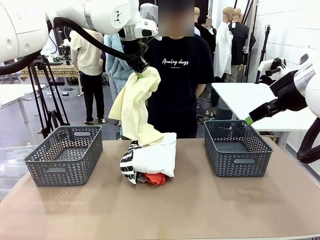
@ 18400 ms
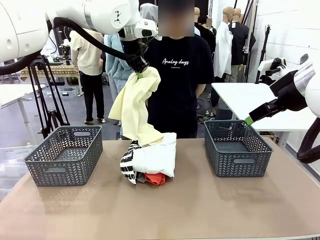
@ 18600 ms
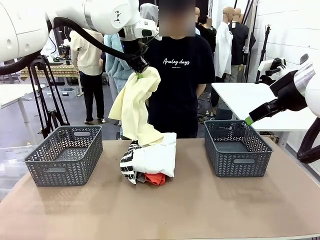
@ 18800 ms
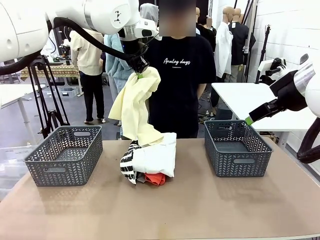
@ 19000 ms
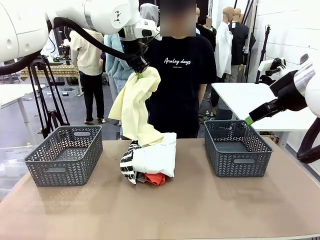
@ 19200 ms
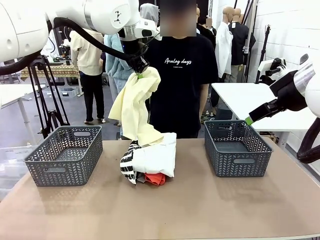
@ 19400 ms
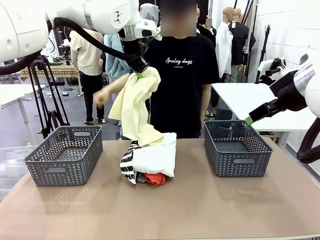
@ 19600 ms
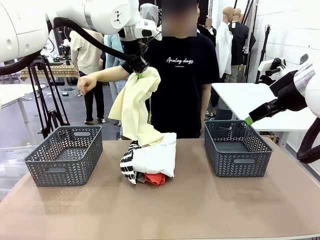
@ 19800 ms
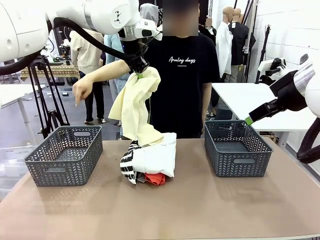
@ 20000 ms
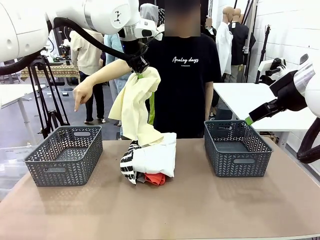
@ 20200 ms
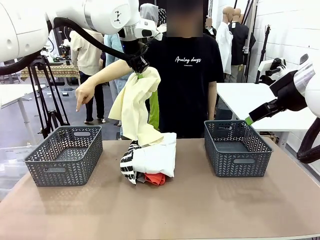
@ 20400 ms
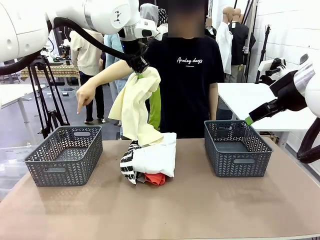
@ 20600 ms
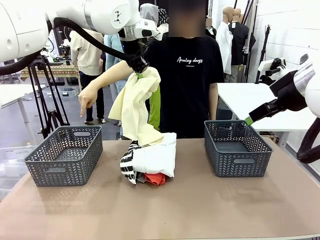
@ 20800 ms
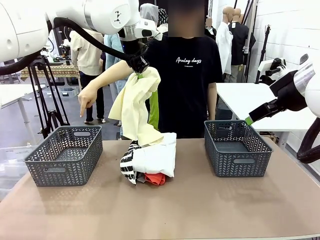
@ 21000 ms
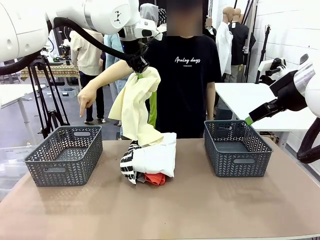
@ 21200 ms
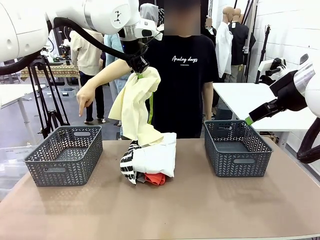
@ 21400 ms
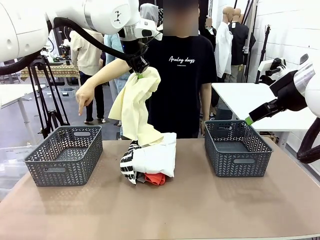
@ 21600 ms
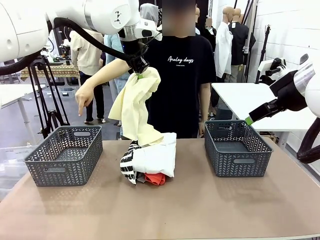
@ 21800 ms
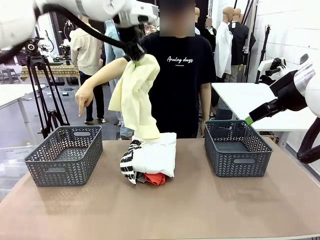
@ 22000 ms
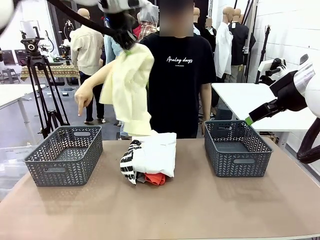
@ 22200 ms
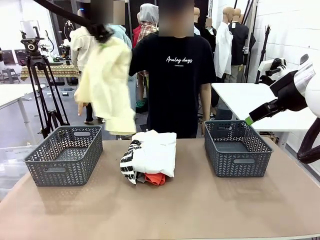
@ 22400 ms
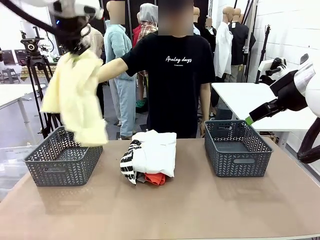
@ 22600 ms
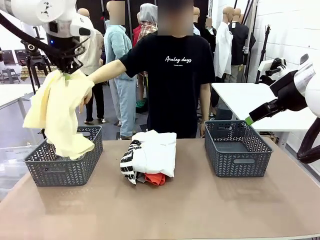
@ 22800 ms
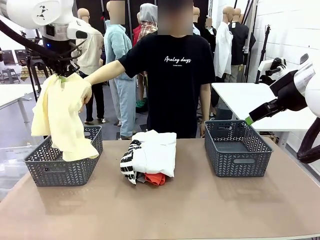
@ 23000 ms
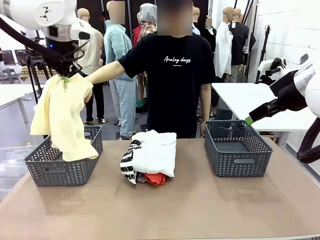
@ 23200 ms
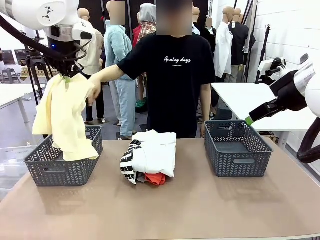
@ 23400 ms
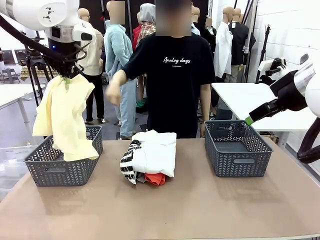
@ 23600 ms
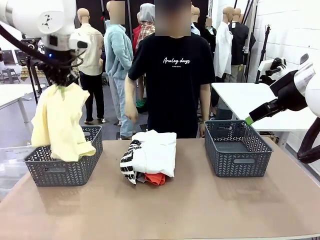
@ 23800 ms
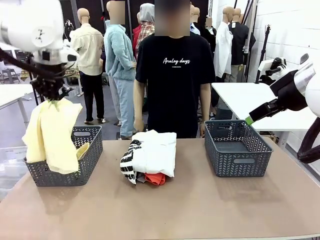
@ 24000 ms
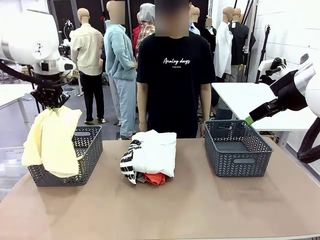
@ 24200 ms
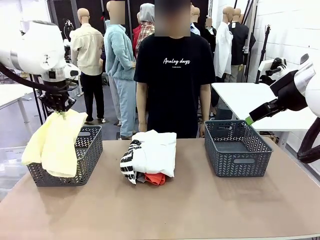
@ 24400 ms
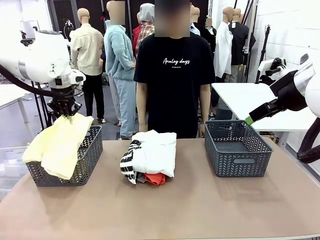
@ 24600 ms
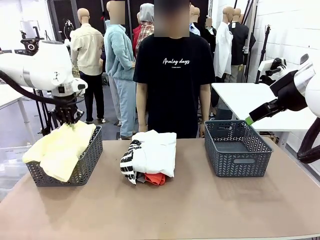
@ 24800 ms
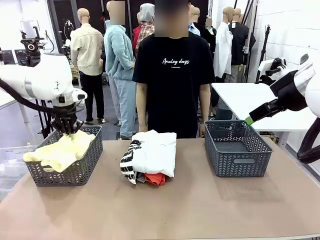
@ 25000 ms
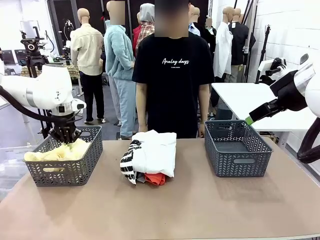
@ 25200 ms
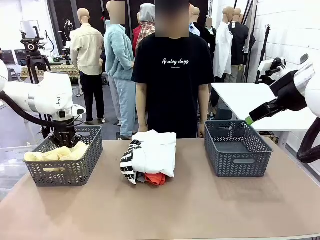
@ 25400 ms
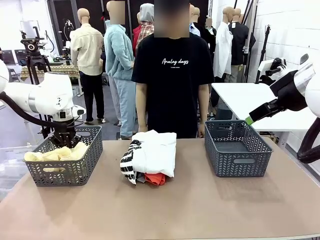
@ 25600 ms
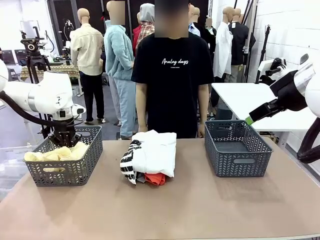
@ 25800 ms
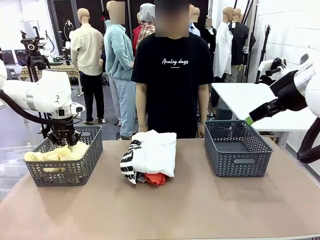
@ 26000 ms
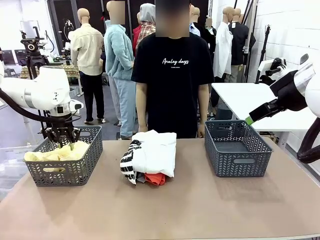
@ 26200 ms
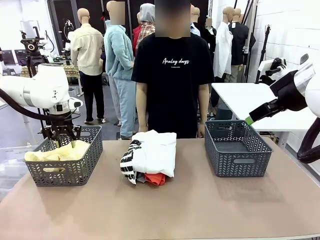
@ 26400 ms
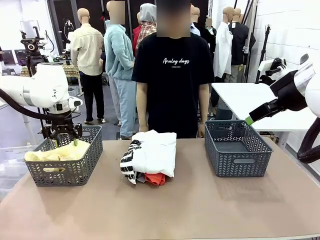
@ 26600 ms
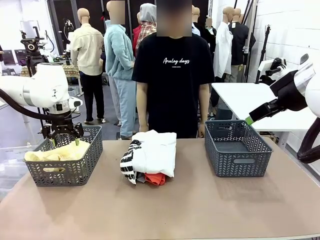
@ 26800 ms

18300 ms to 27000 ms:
Task: Sort the tops and bottoms.
Robot: Sort the clothes according to human instructions.

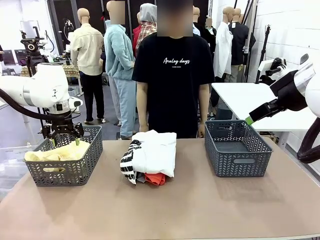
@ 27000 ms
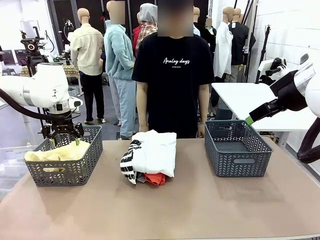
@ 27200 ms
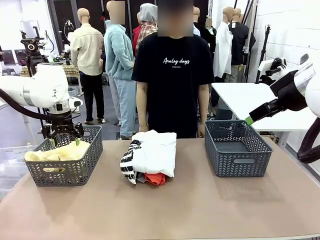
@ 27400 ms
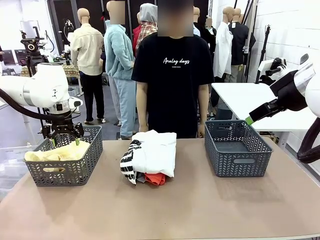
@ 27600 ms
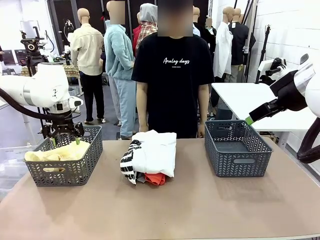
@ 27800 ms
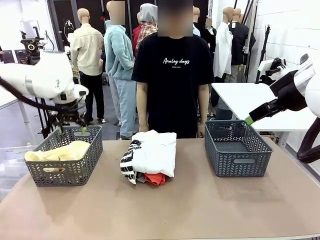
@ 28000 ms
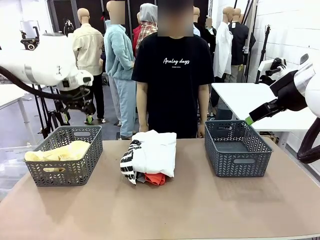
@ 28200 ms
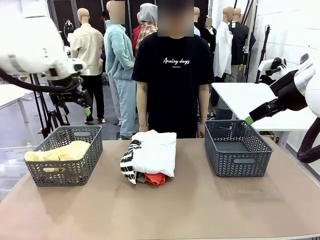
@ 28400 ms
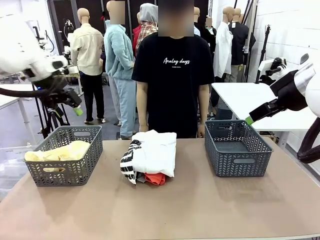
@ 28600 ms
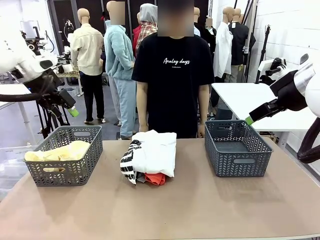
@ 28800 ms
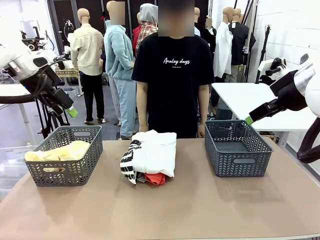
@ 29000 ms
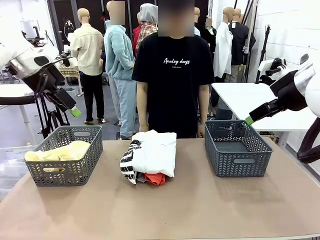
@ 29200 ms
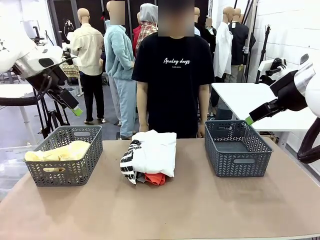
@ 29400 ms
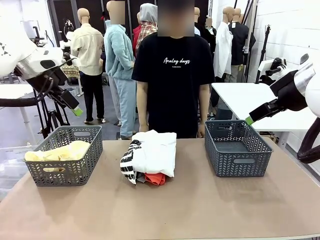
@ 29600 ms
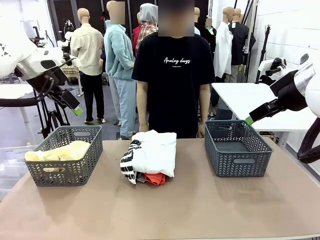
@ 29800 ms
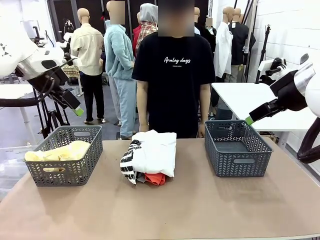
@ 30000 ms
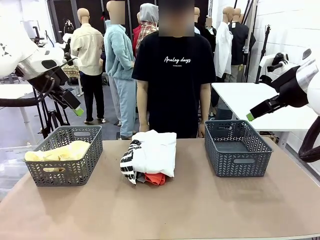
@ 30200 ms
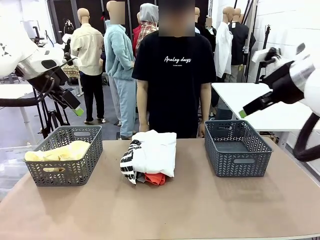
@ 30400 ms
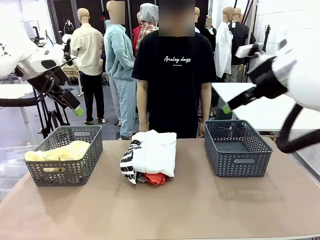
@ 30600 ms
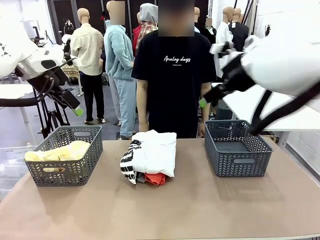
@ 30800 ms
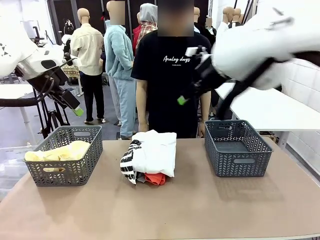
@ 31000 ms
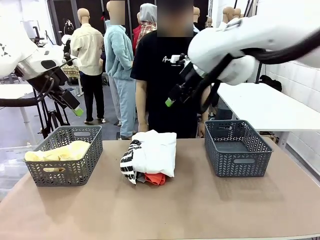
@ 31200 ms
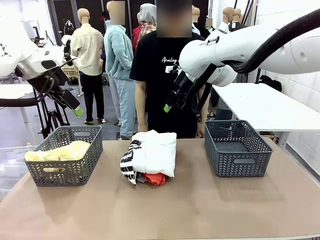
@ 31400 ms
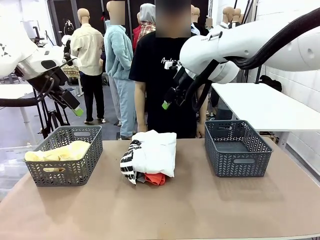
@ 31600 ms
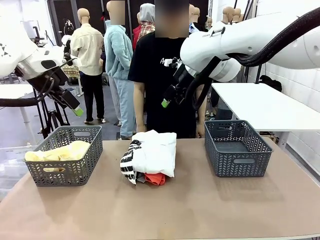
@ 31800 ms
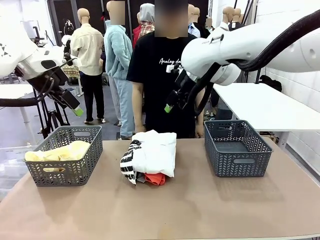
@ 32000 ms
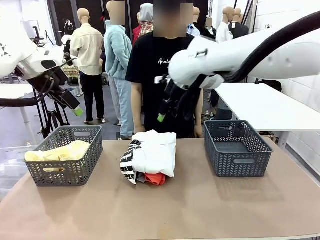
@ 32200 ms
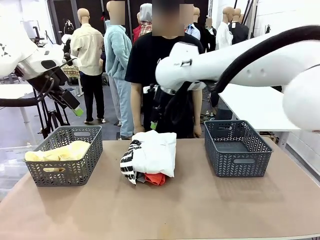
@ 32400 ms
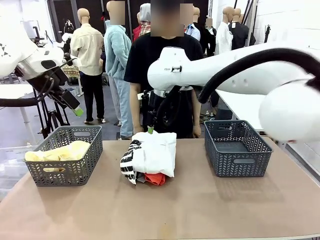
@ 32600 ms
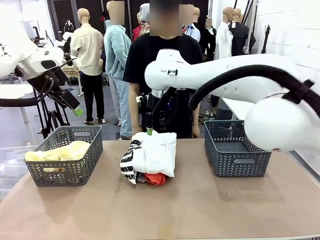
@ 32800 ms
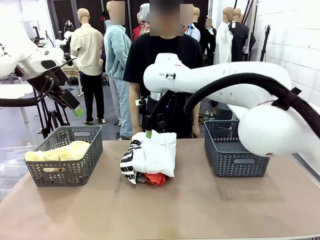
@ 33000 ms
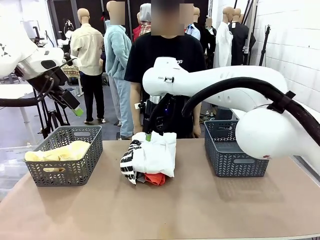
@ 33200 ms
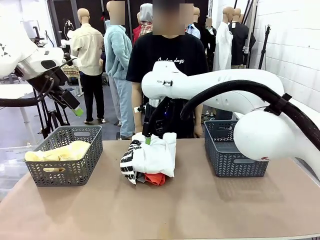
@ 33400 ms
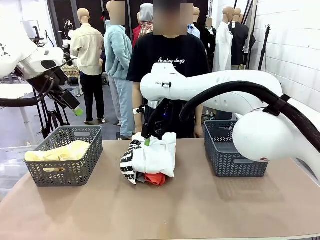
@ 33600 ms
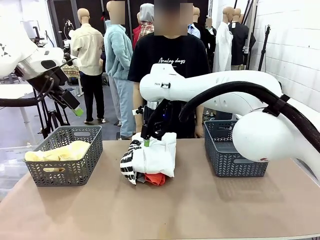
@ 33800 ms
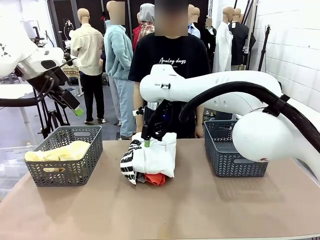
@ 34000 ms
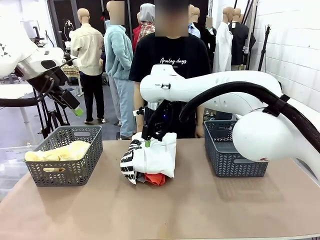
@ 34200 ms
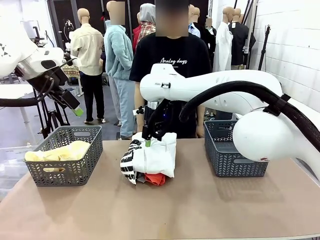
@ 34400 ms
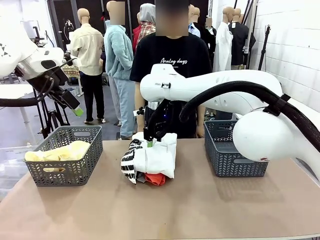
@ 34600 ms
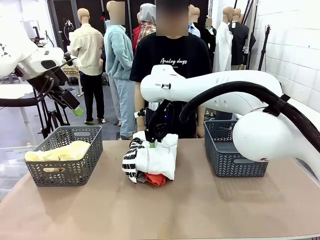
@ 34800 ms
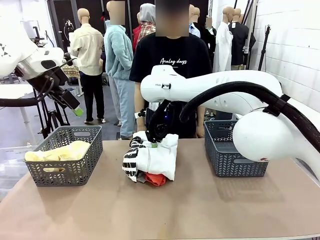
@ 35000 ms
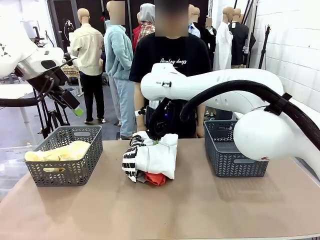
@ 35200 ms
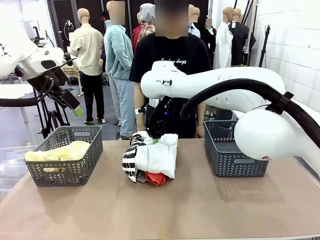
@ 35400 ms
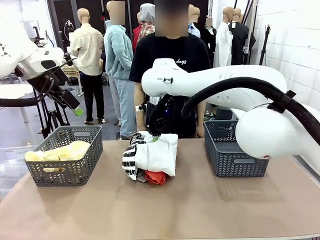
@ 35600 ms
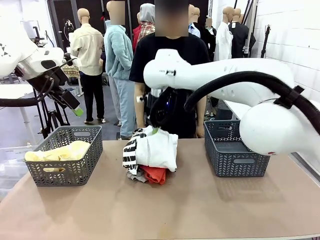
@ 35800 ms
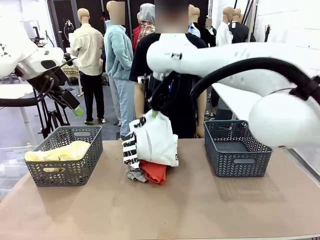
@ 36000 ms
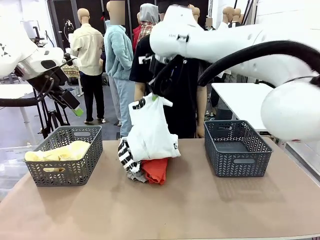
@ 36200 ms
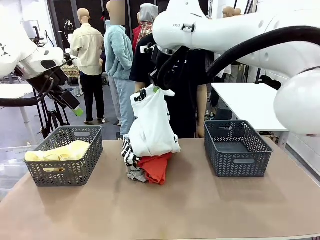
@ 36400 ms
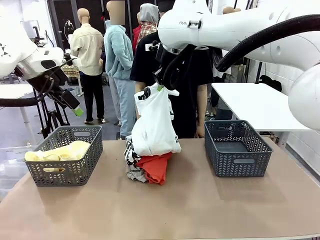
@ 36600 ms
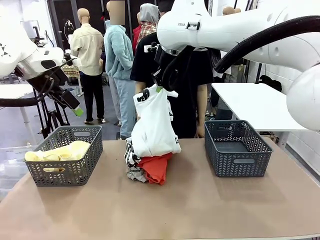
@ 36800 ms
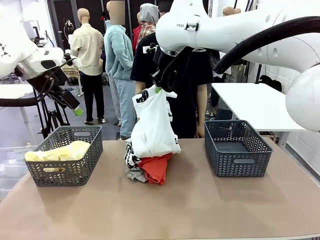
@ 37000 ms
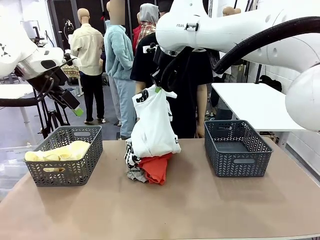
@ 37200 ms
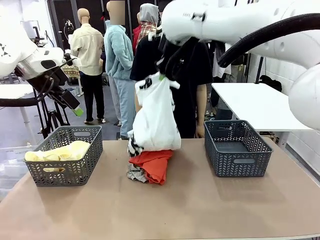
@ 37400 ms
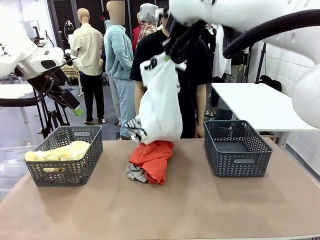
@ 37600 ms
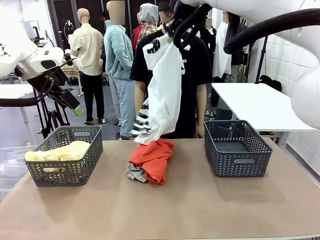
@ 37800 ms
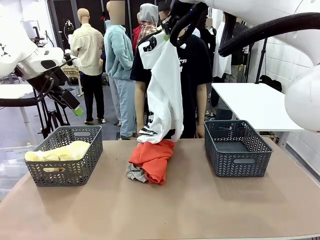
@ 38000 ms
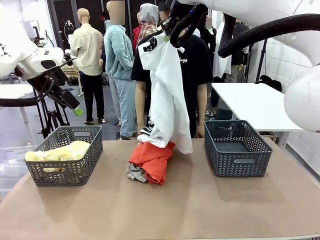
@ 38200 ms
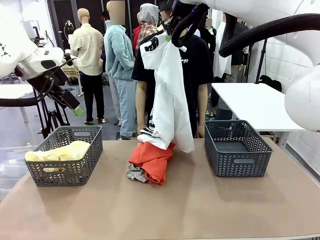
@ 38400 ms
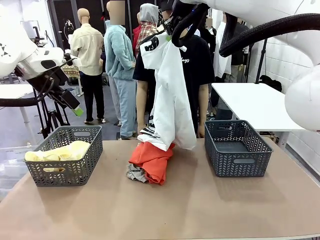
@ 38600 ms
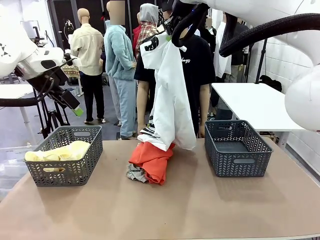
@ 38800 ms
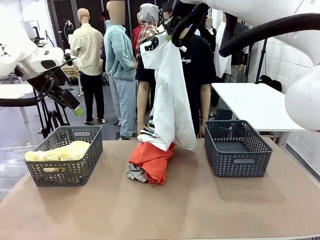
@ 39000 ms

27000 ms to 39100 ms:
Robot: Lift clothes from the center of the table with your right hand.
